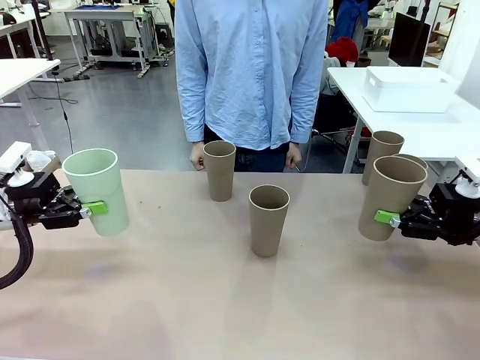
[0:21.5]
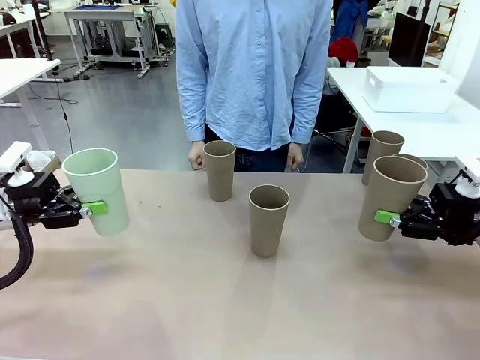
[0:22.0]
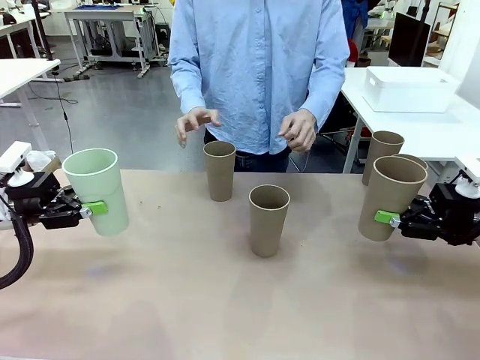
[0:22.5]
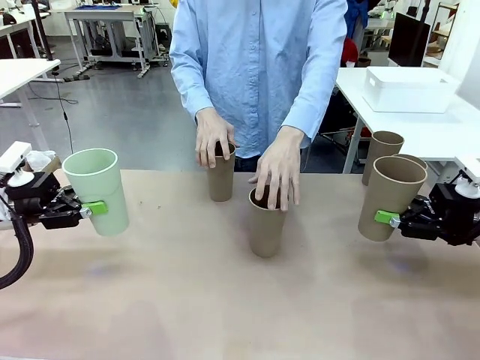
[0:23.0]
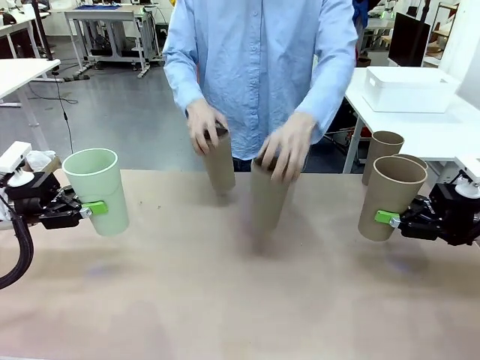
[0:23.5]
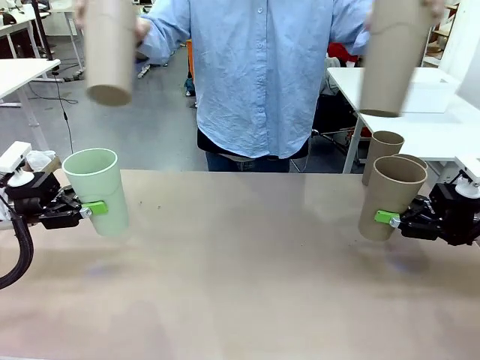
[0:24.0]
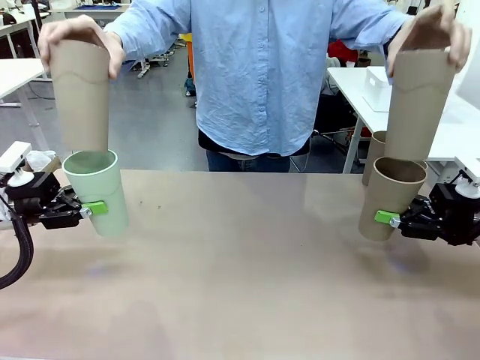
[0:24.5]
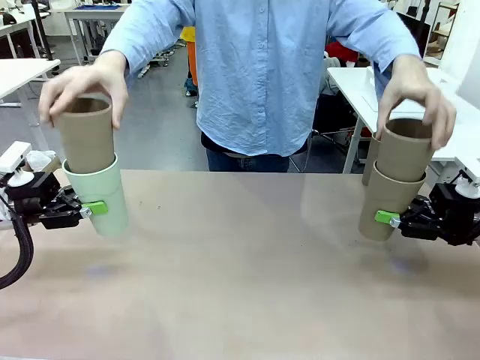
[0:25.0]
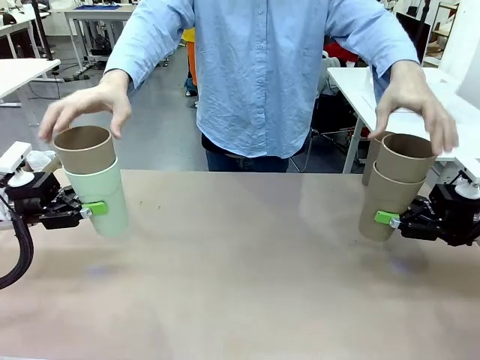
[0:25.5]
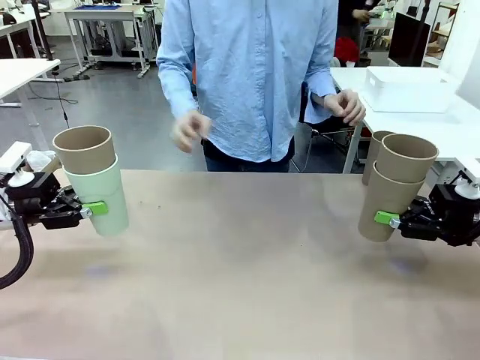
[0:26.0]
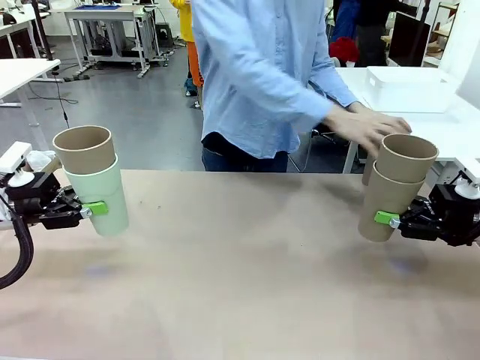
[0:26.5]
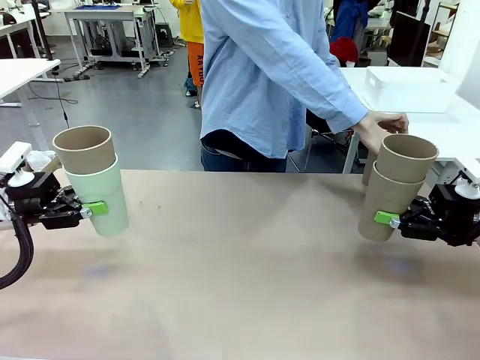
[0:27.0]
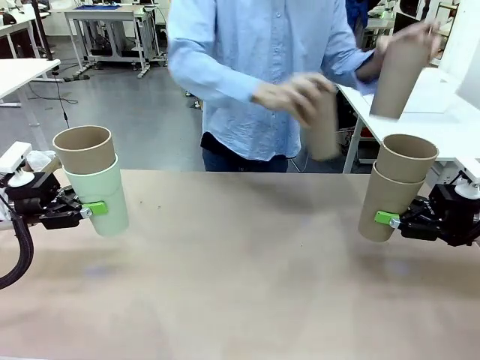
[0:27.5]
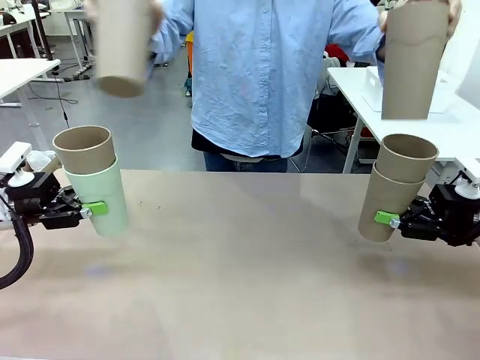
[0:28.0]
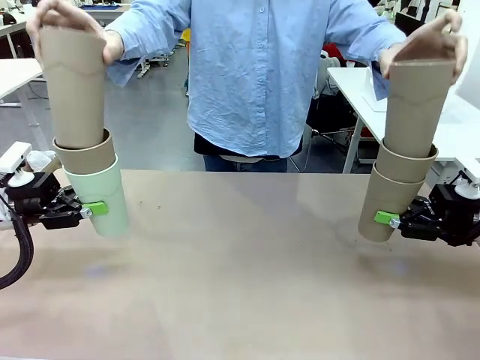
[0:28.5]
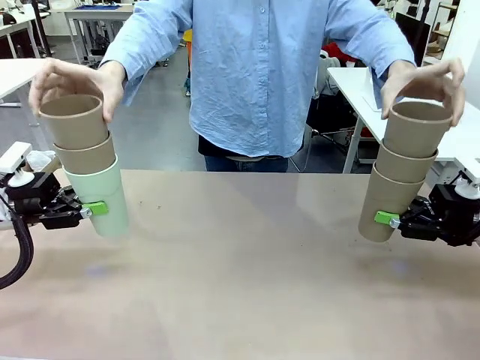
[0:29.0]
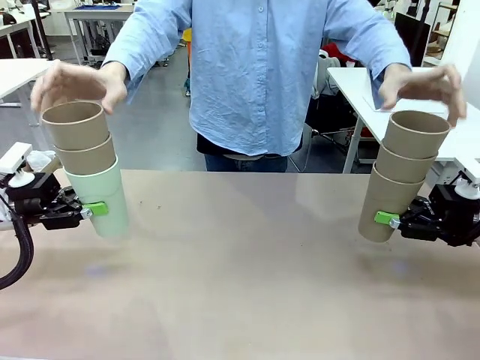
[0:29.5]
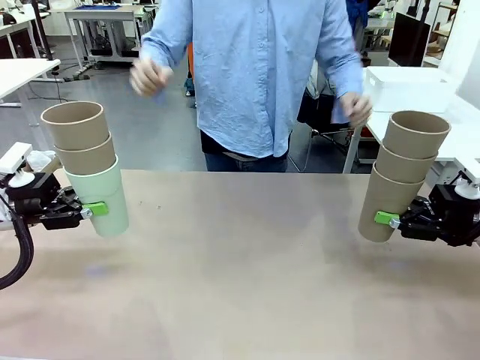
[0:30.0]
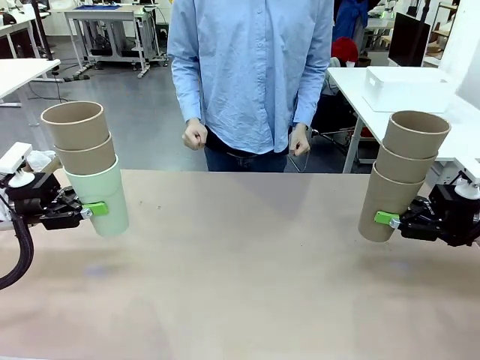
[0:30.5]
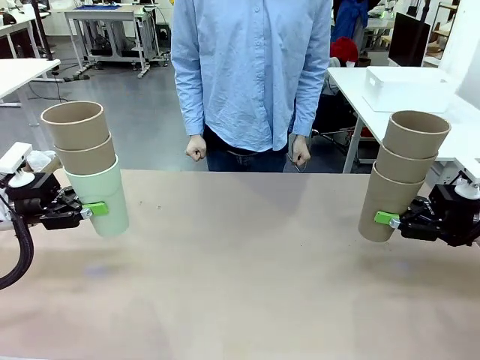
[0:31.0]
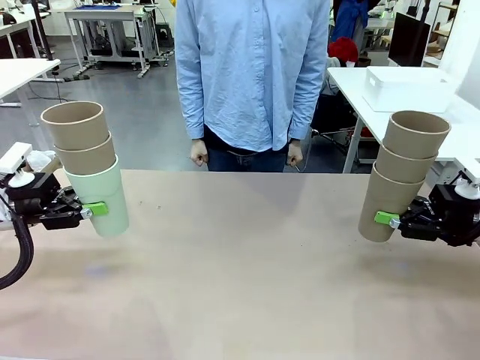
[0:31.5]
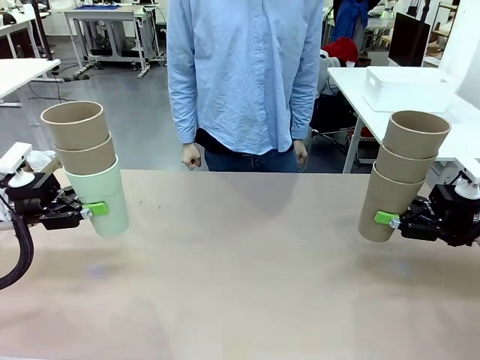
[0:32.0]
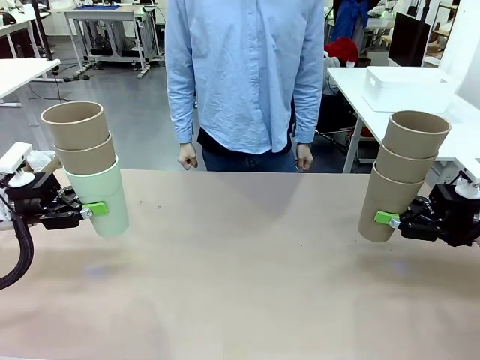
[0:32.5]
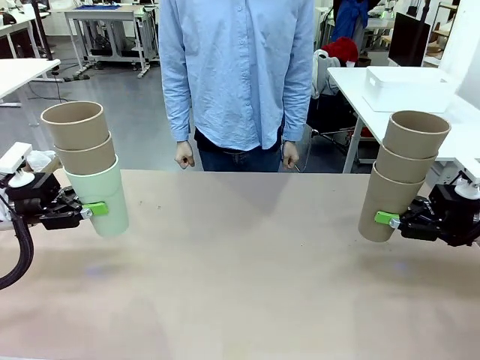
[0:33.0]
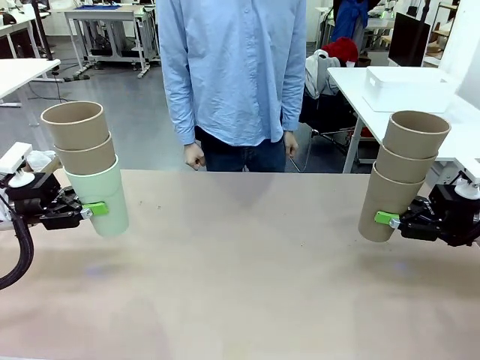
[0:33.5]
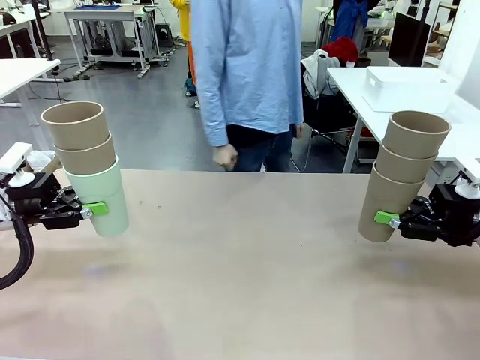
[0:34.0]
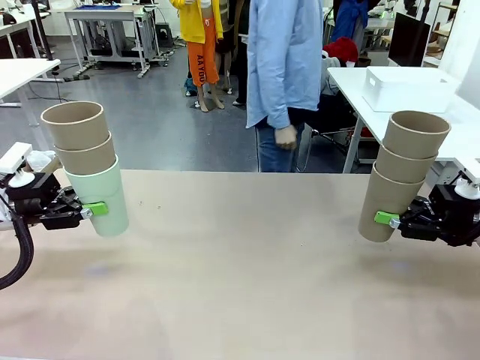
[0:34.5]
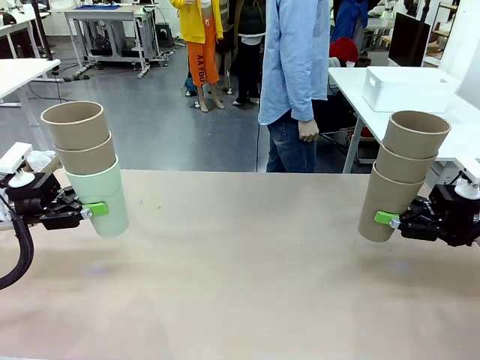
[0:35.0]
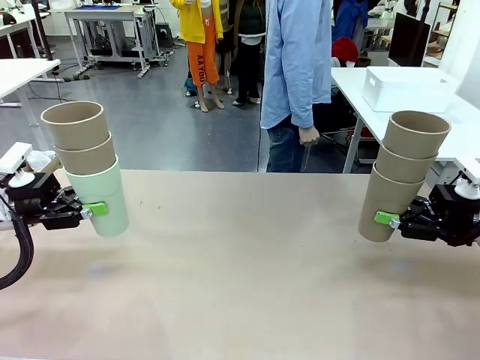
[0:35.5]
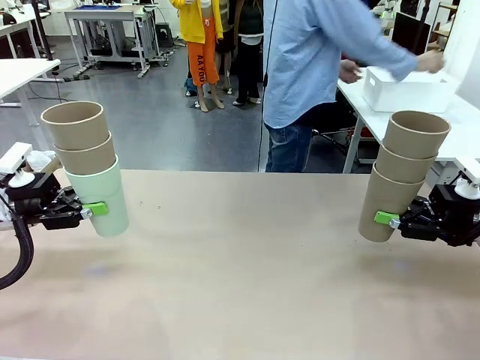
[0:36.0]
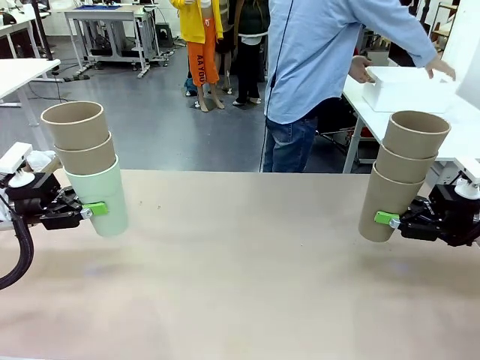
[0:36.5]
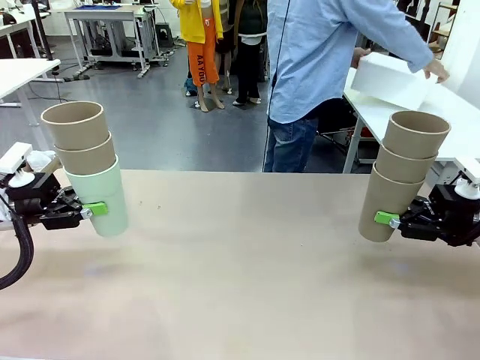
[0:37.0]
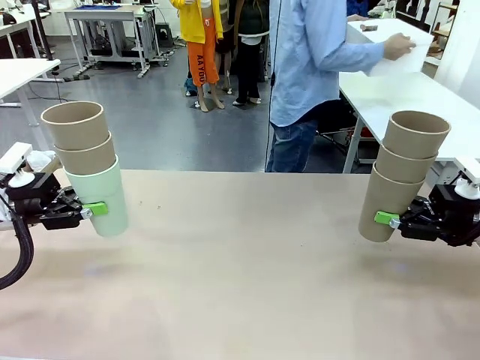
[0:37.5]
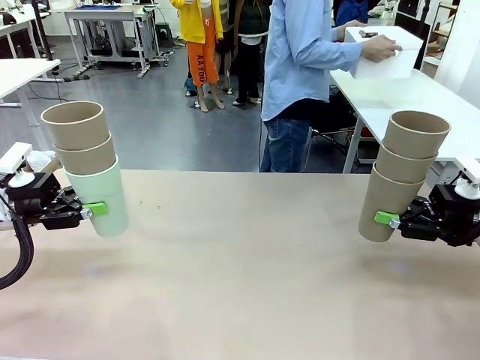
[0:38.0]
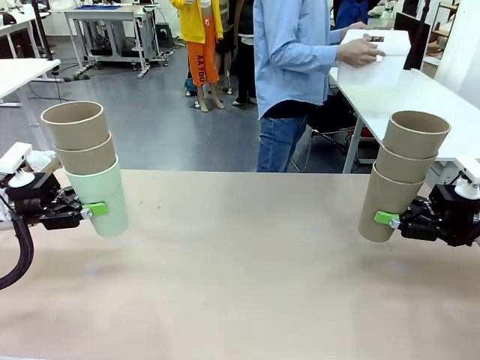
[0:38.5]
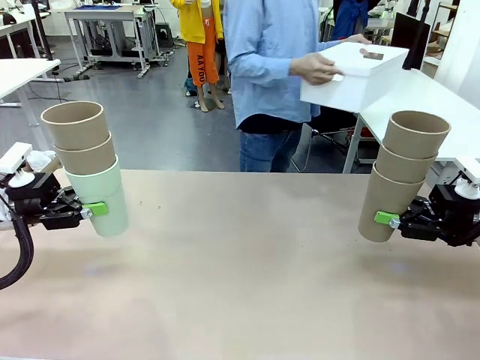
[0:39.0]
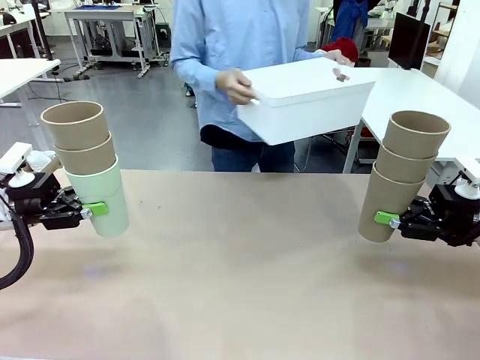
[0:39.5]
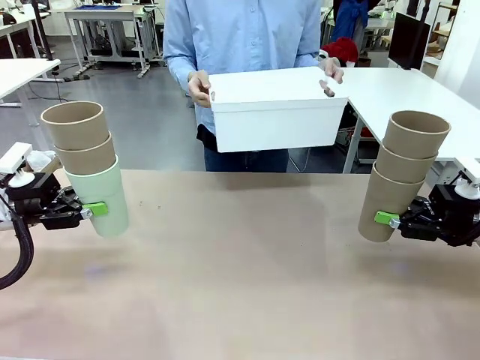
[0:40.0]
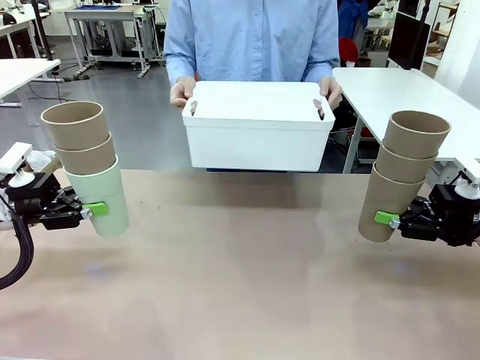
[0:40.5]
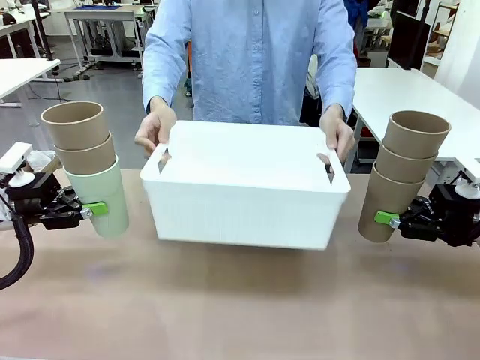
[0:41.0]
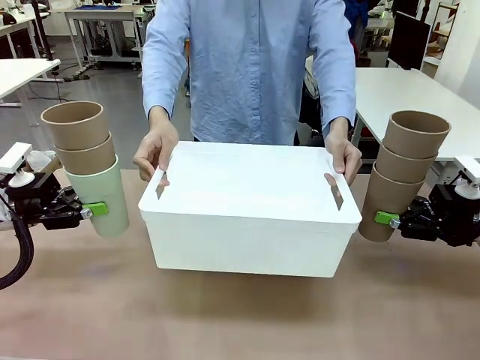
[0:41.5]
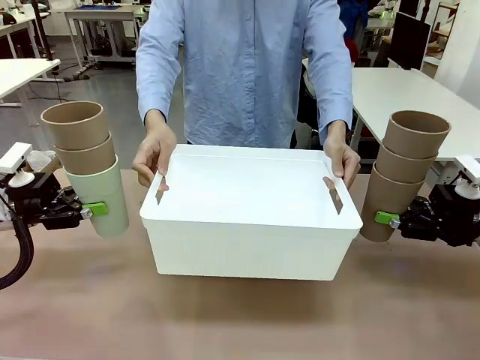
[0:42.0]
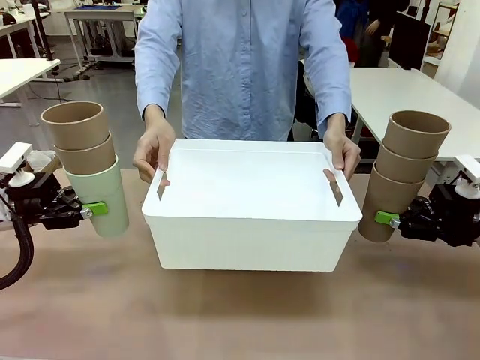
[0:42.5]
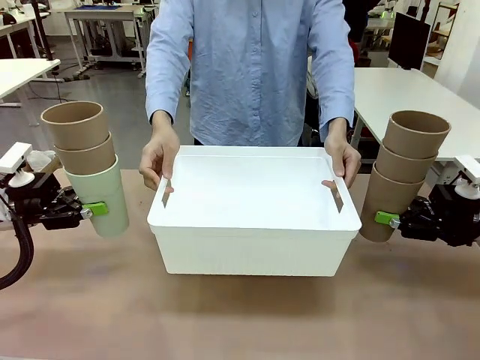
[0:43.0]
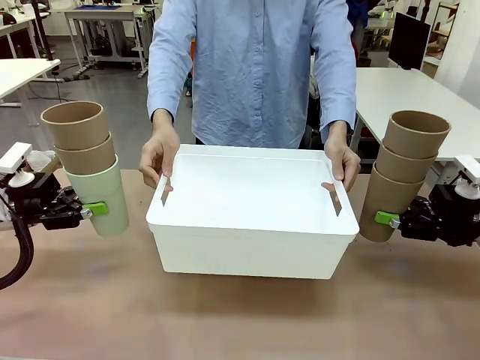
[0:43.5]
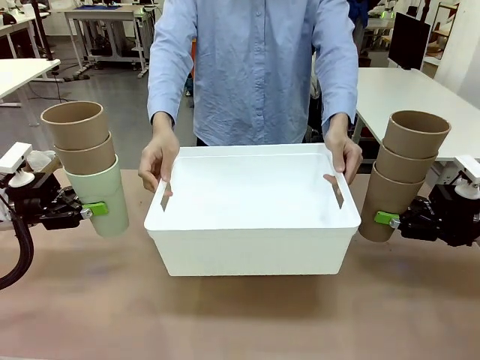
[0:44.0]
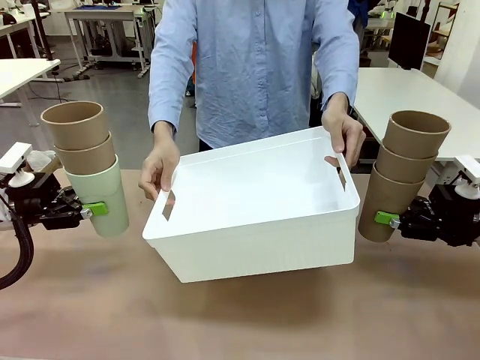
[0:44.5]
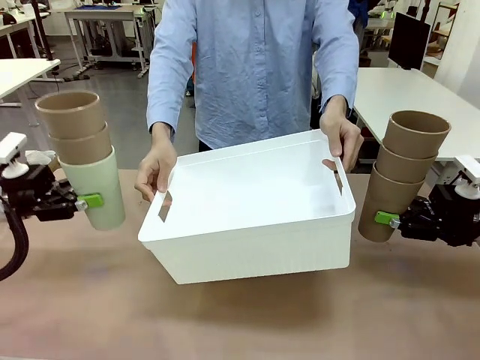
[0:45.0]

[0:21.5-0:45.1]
Task: Stack the cups and store them in the basket.
Robot: Place the stack of Reusable plastic cups into the Pantry Basket.
Person: Pick up the basket from the Human Table, bring it to the front of the robot, and present it.
